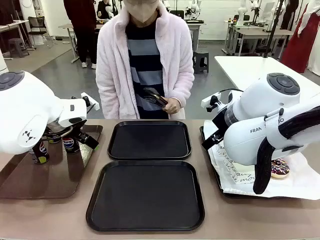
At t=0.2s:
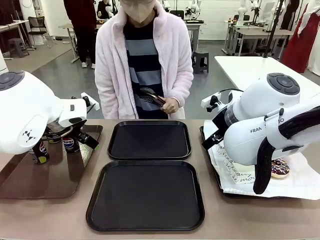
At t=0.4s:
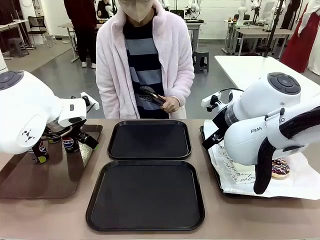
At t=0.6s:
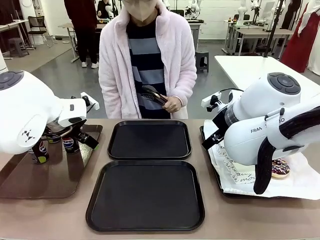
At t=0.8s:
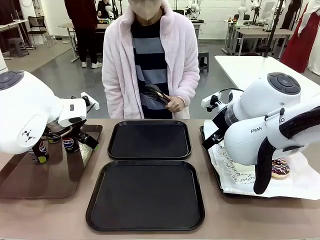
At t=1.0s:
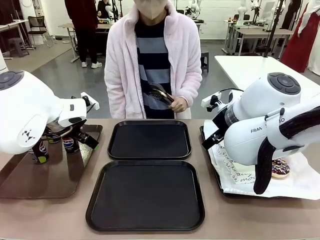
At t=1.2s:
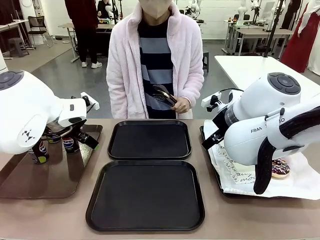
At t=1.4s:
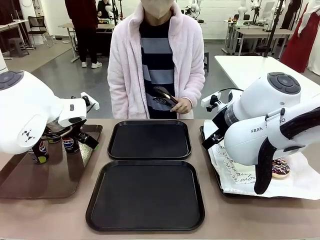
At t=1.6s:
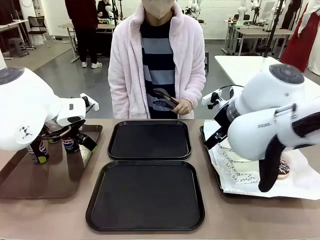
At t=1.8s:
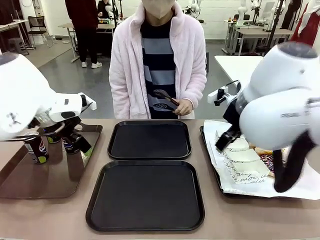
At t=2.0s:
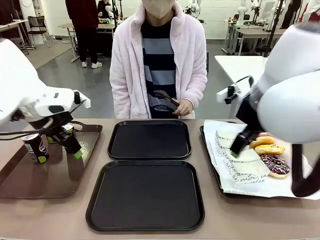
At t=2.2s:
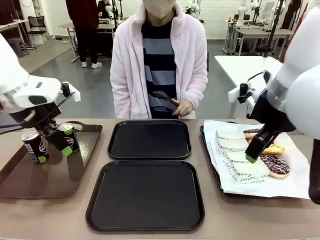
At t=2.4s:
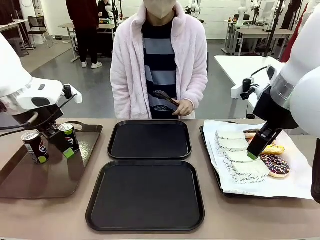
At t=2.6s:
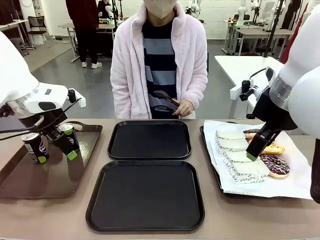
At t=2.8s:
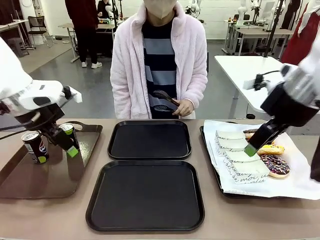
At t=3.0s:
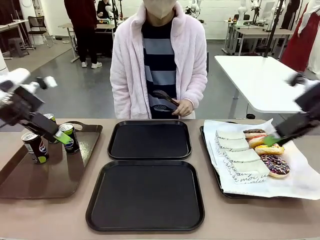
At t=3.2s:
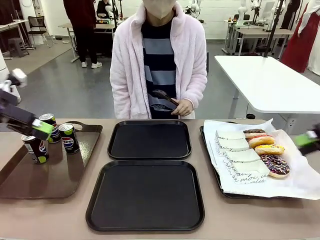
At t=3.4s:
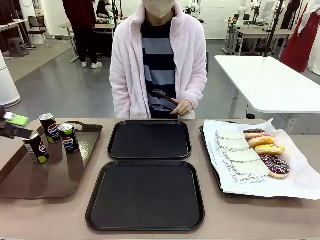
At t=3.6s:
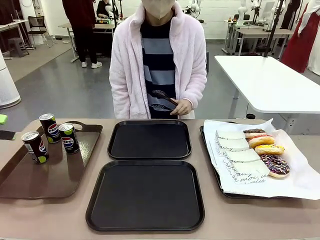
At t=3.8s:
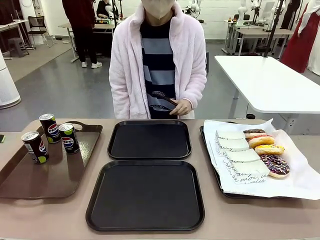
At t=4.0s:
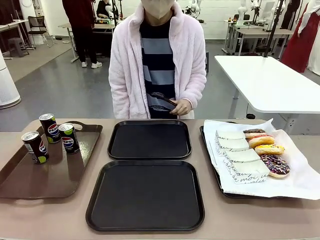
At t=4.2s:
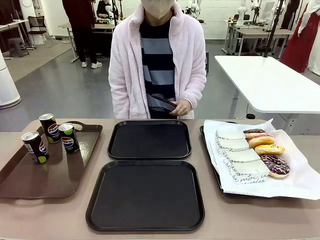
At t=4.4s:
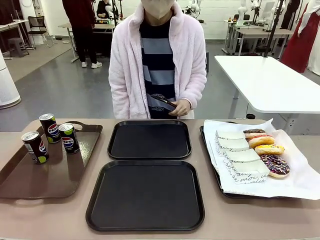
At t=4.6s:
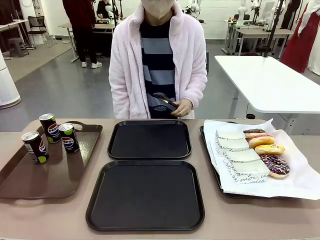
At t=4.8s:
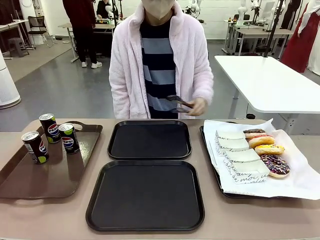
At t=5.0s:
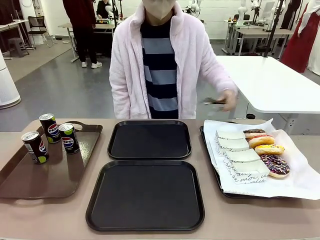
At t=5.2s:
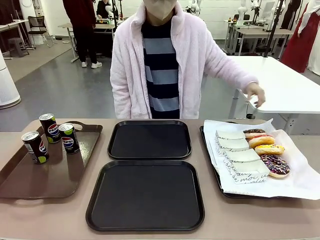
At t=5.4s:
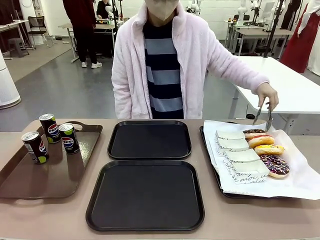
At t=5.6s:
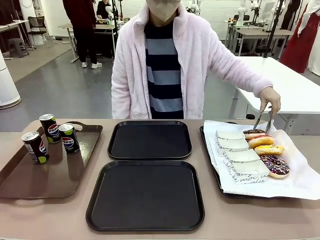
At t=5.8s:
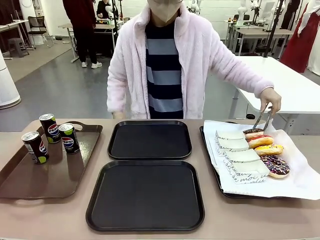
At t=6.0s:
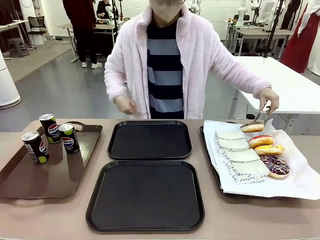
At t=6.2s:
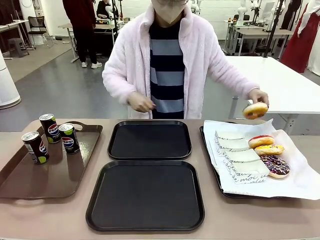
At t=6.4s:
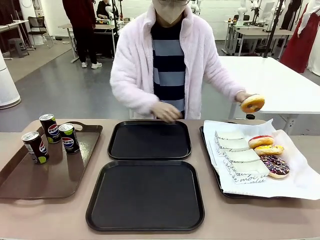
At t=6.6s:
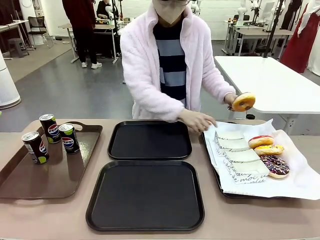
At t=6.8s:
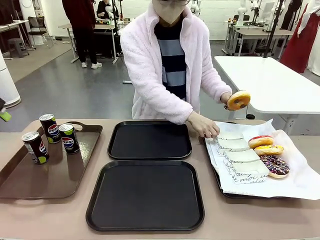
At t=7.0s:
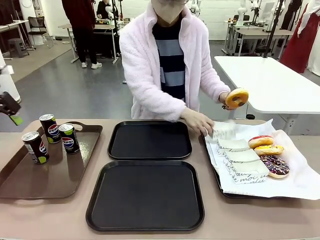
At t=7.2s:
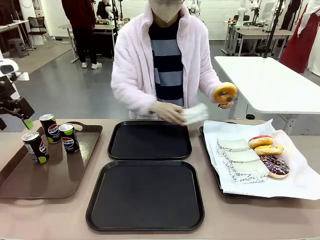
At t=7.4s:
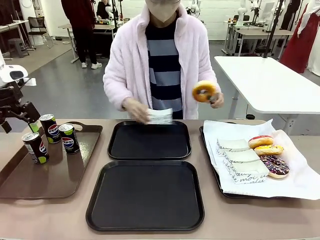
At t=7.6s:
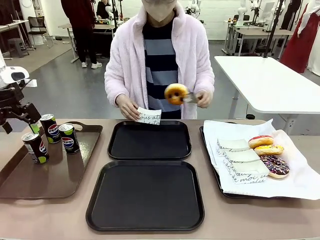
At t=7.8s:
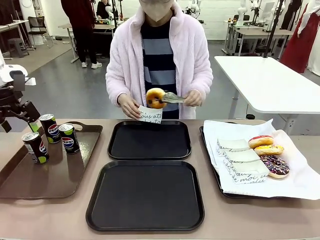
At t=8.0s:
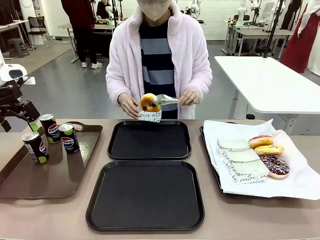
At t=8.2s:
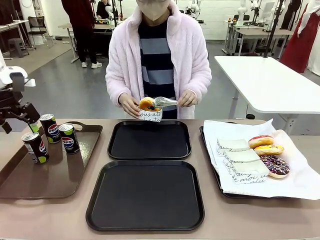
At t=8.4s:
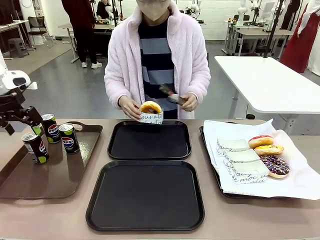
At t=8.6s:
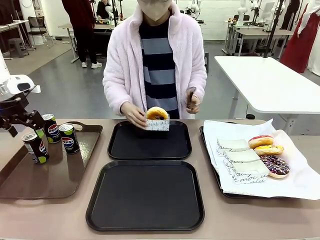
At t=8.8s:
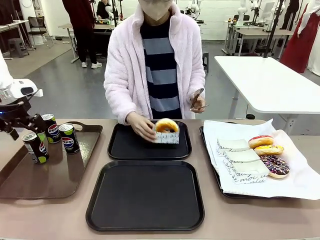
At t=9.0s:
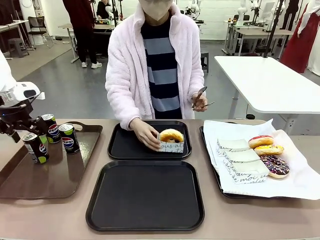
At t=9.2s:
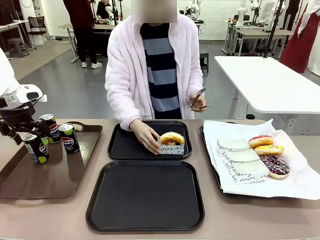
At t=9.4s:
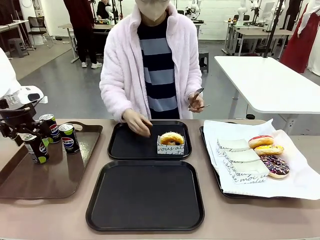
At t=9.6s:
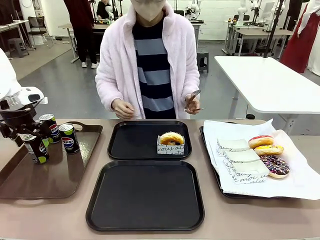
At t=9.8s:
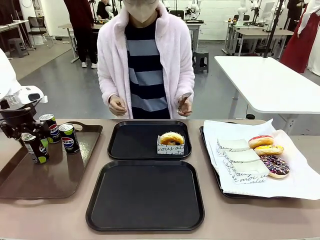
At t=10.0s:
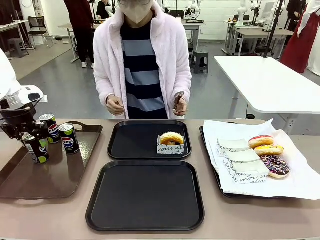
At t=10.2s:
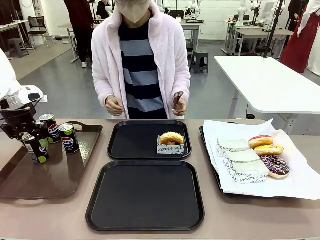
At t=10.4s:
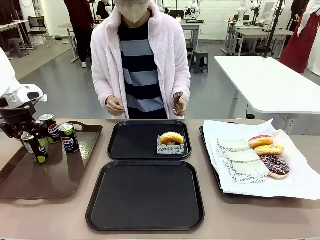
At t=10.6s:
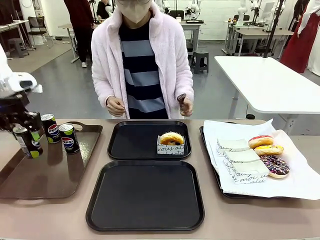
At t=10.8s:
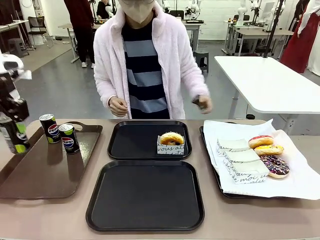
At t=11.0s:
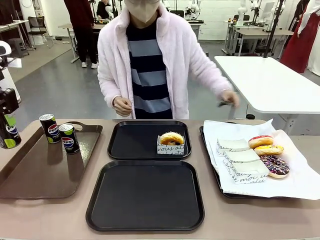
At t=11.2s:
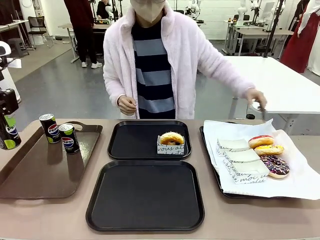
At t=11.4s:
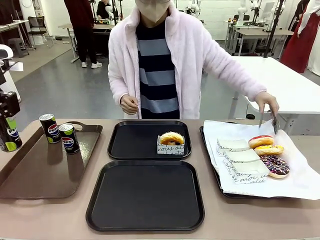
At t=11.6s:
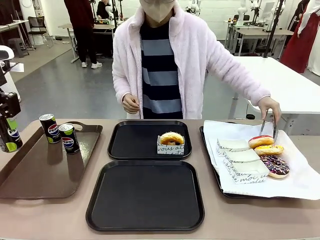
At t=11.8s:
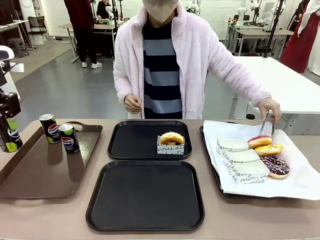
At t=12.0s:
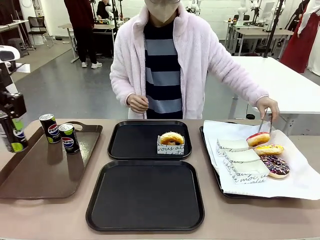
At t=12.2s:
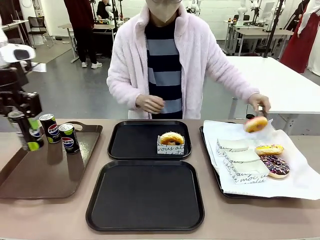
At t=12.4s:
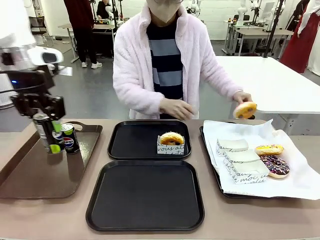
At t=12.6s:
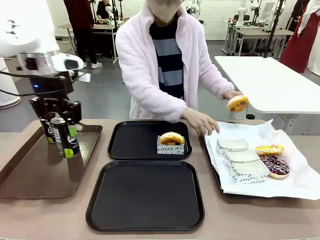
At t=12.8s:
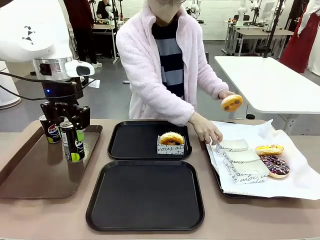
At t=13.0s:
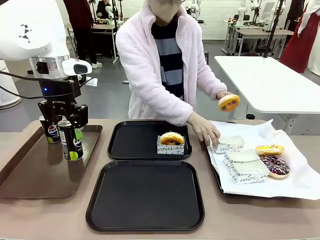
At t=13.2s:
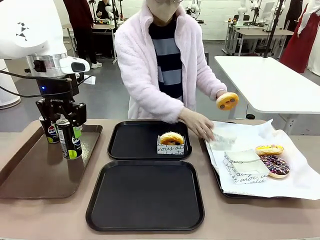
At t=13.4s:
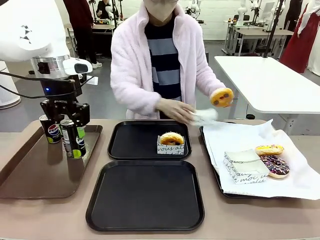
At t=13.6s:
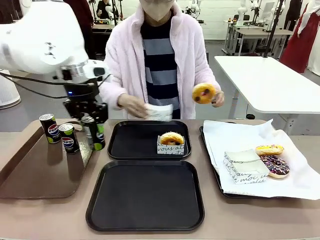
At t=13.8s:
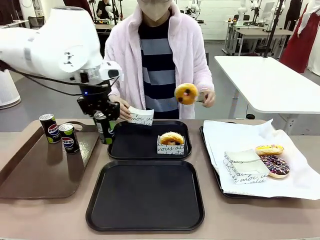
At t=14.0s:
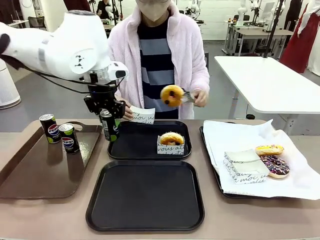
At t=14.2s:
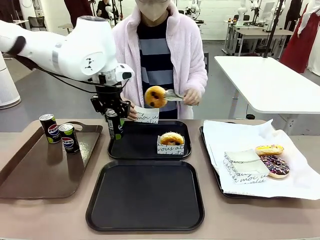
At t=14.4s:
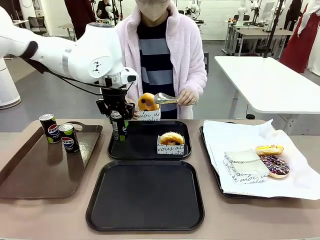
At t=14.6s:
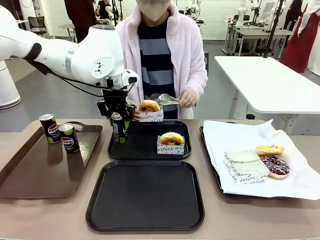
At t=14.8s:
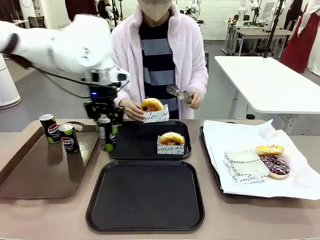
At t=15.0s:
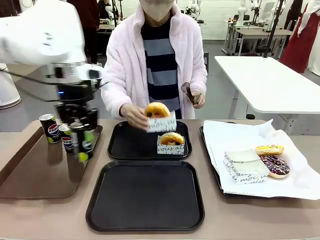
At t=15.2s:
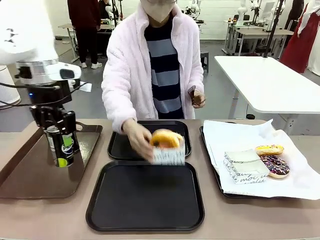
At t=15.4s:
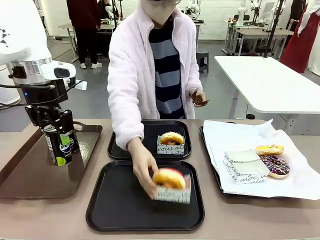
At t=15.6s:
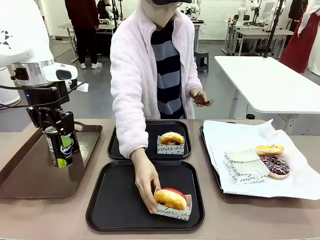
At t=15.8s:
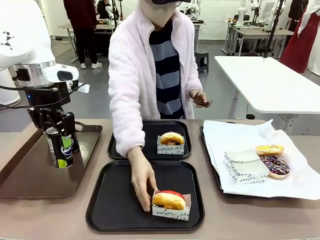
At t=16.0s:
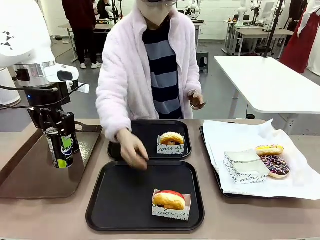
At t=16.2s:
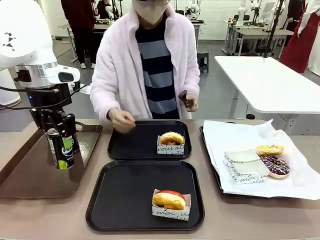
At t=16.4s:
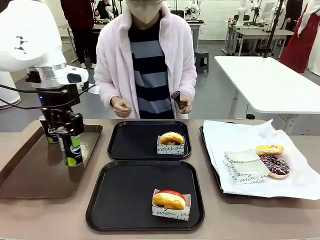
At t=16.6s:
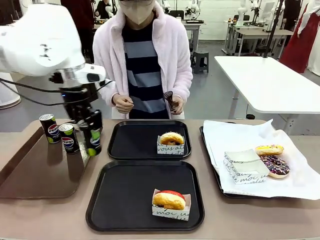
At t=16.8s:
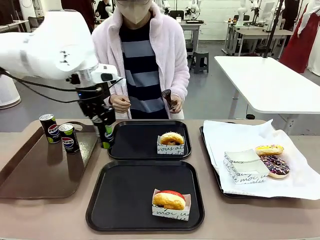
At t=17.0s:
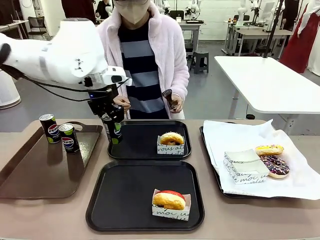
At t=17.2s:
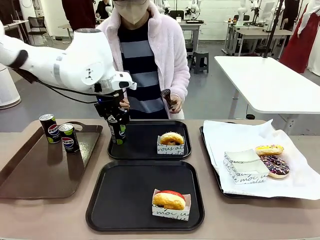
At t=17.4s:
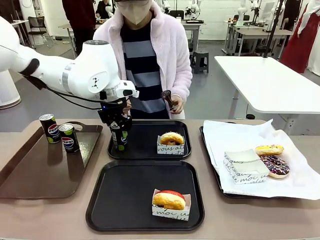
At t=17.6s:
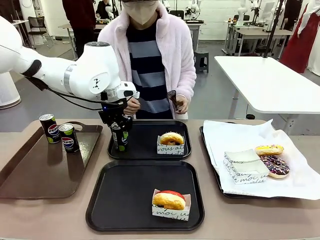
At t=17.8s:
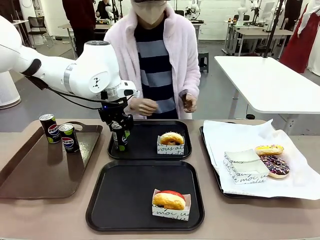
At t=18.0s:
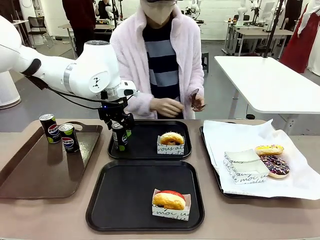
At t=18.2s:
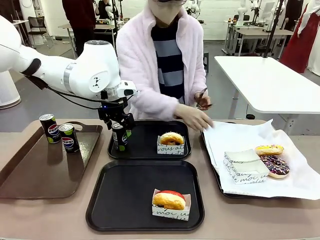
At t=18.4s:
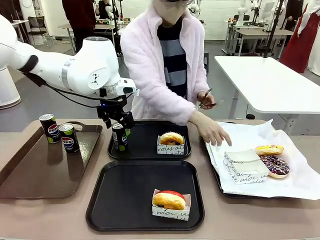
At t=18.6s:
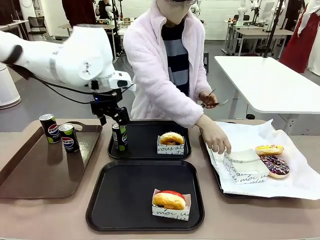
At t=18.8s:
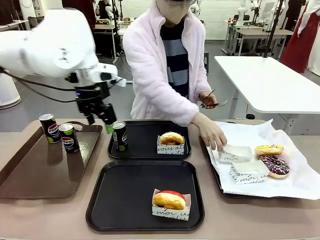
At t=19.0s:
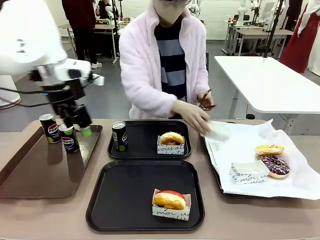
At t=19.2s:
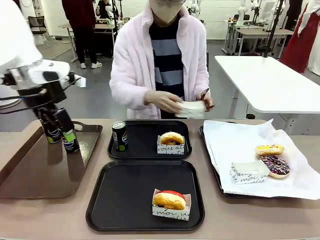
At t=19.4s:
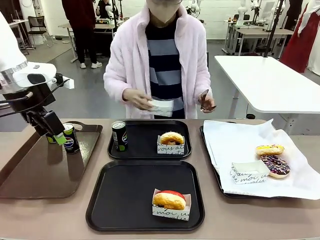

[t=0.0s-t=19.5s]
Task: Set up donuts and drinks on trays.
Robot: Pick up one Pepsi coke and place it on the Flat Tray.
Person: Pick up one donut with tongs, place it in the donut tray, and then place the donut tray on the flat tray.
